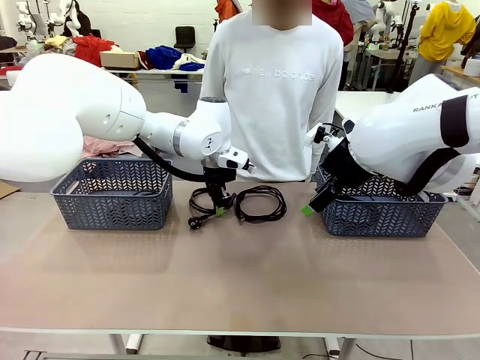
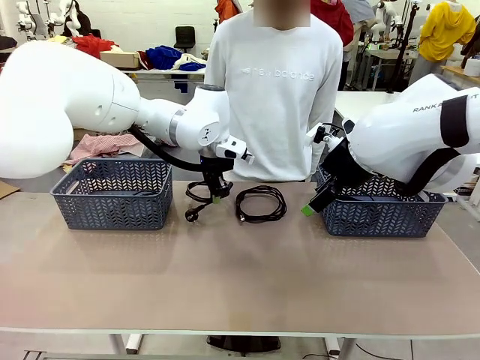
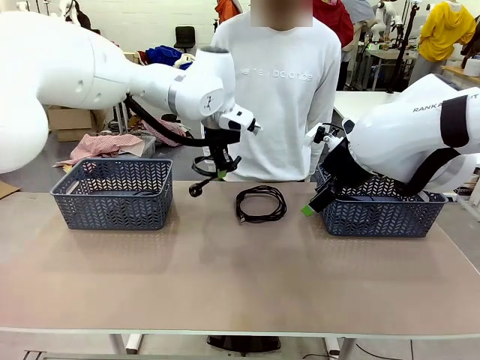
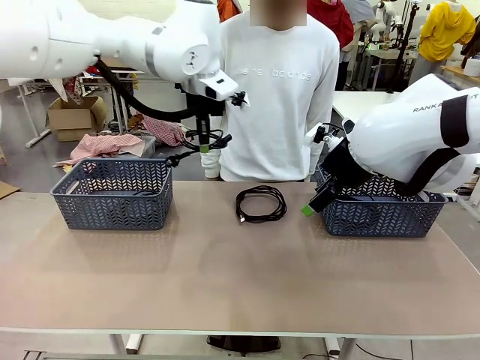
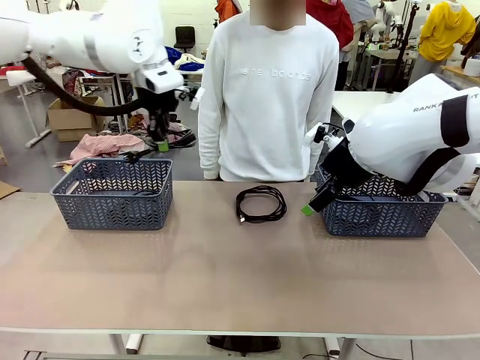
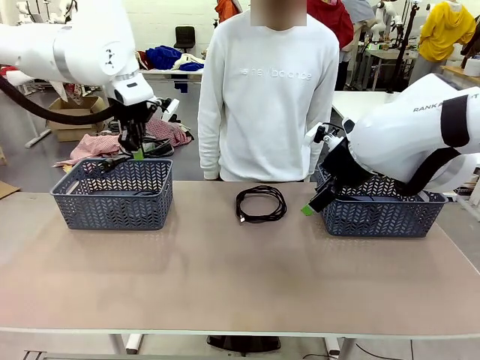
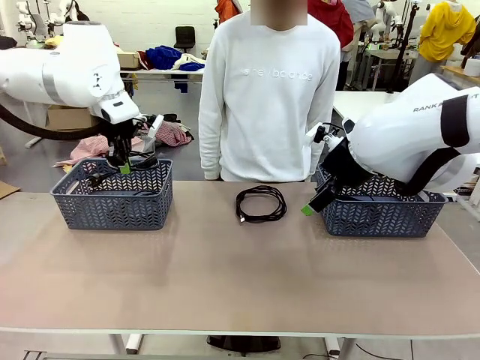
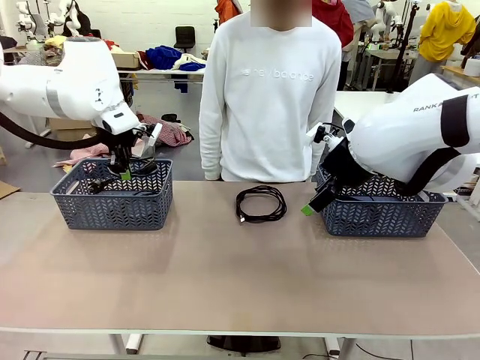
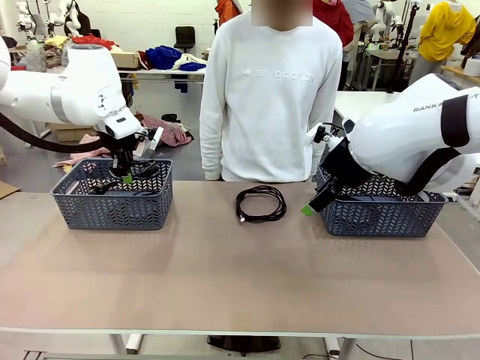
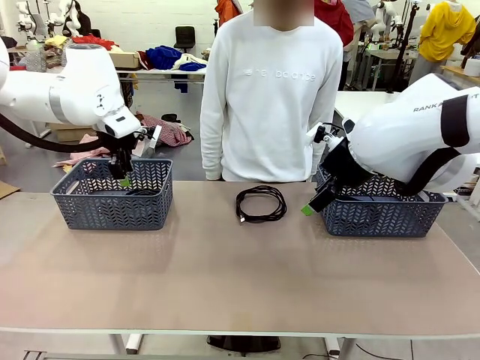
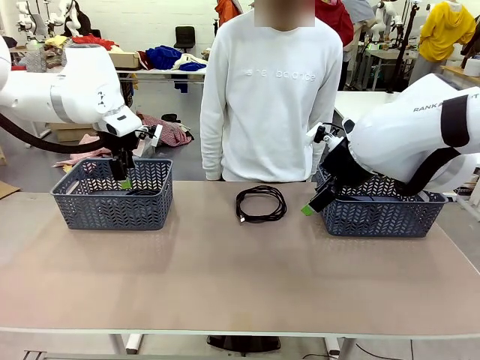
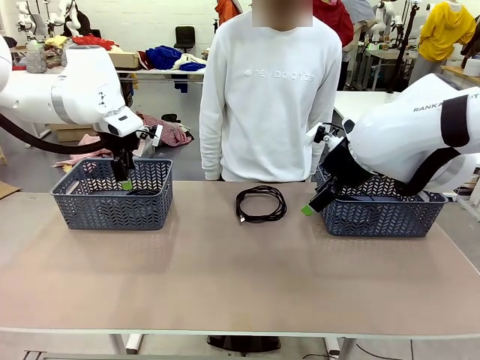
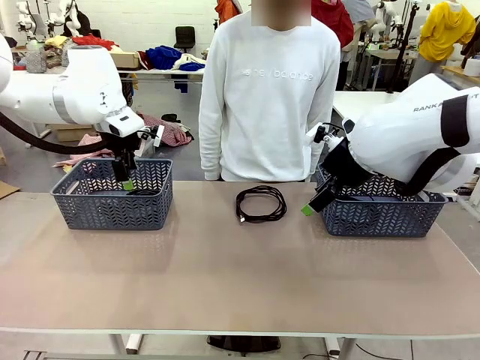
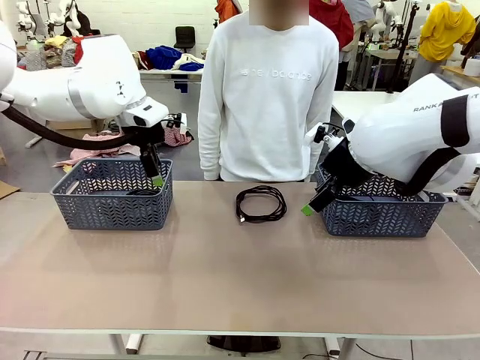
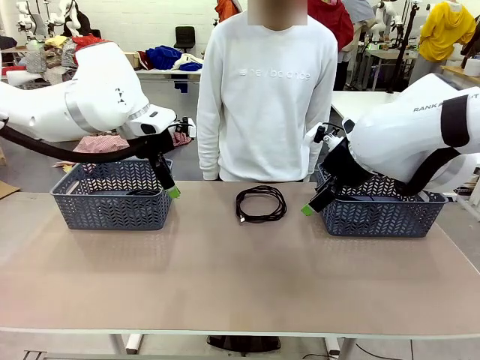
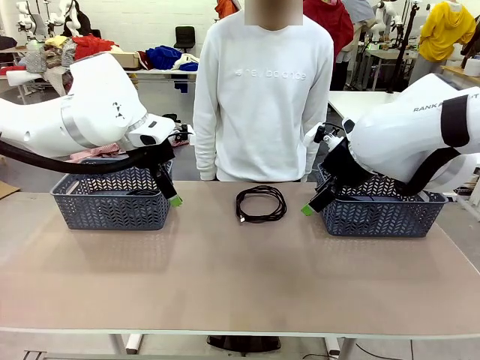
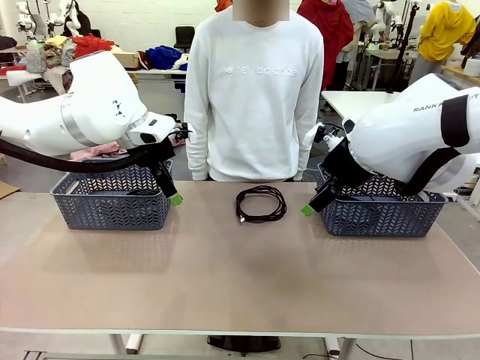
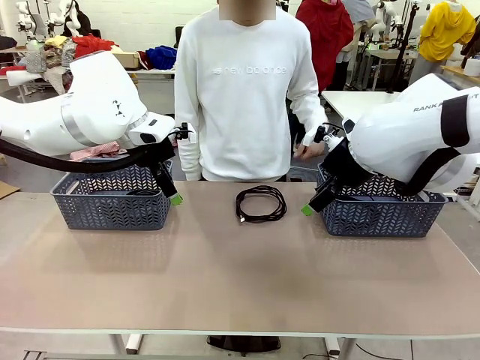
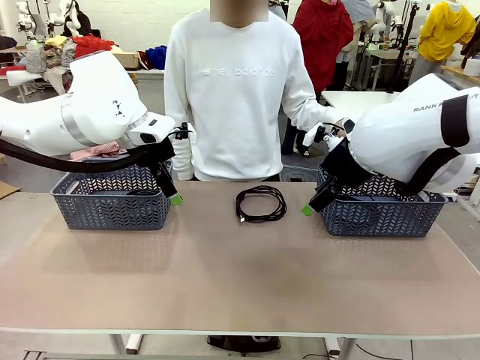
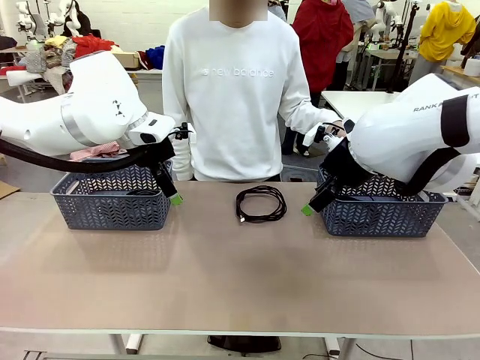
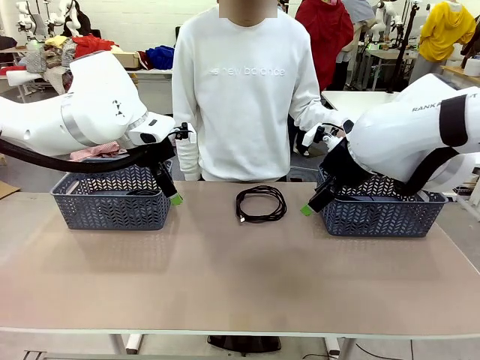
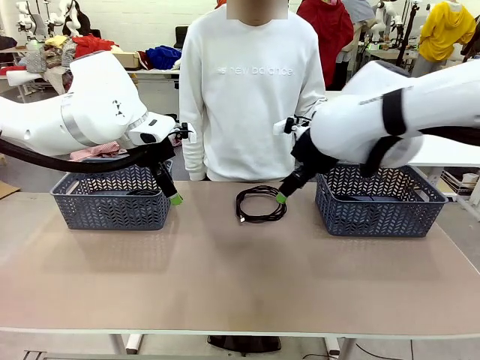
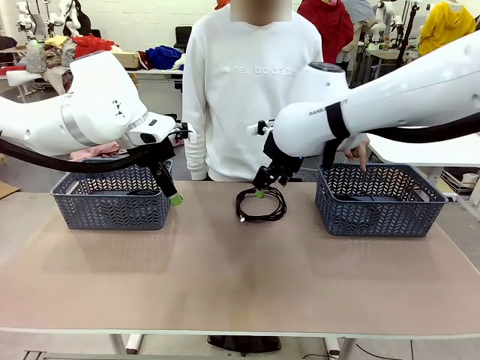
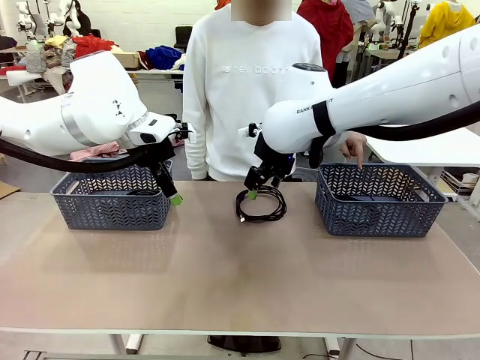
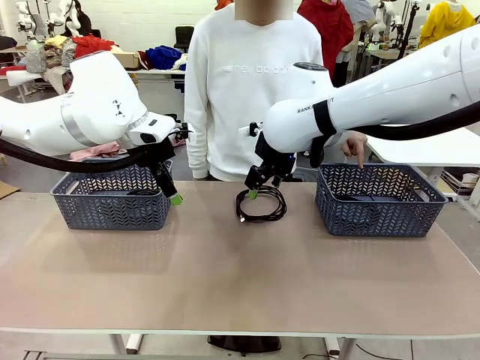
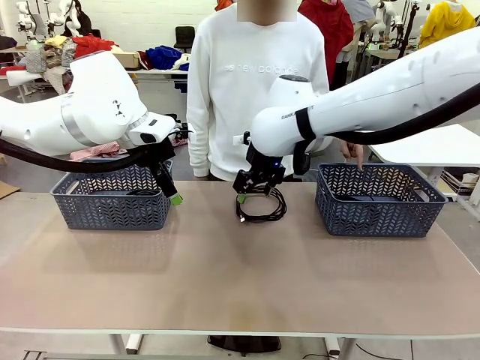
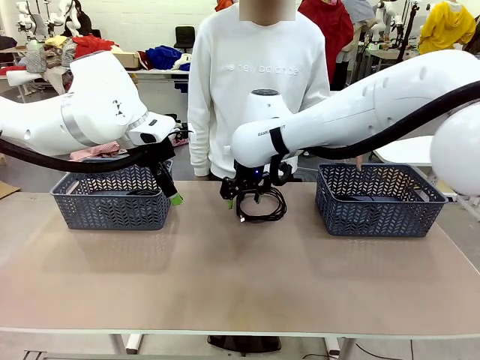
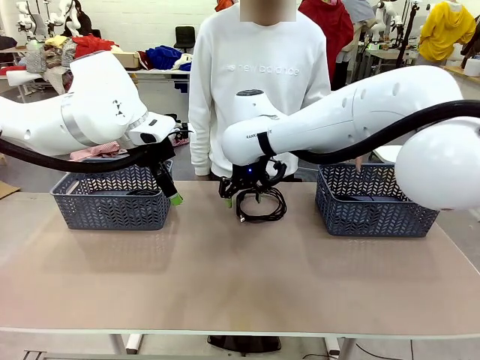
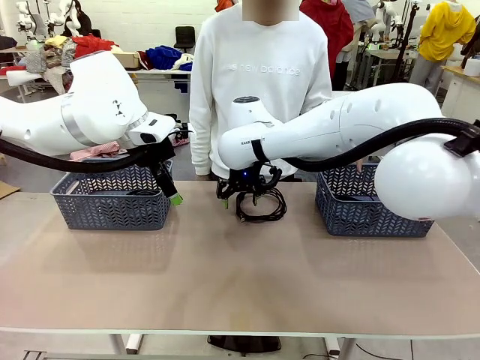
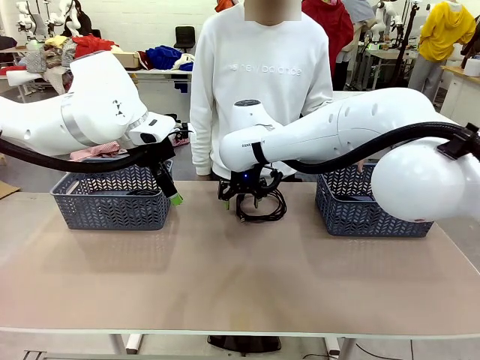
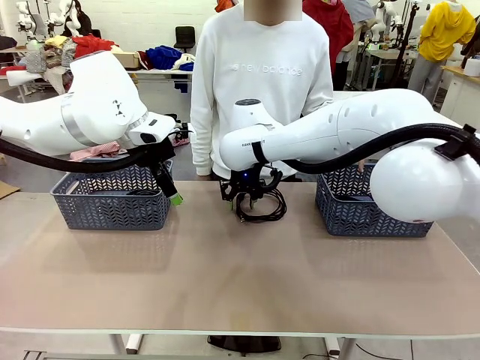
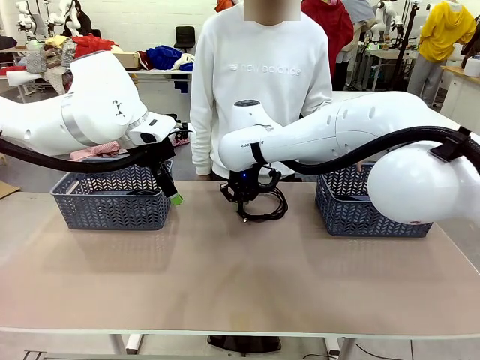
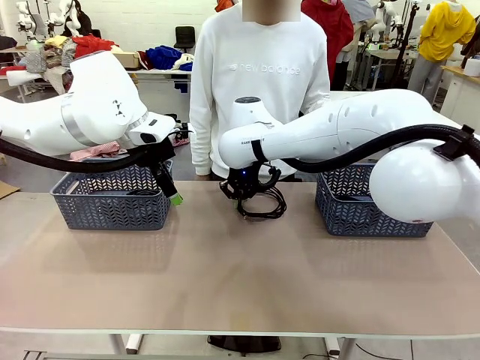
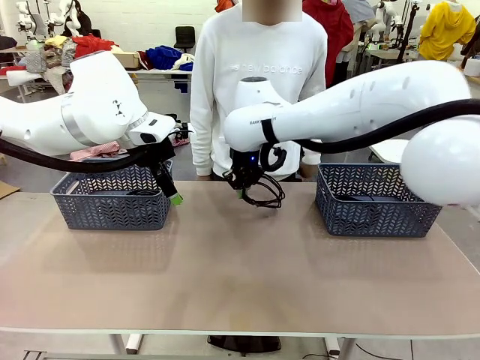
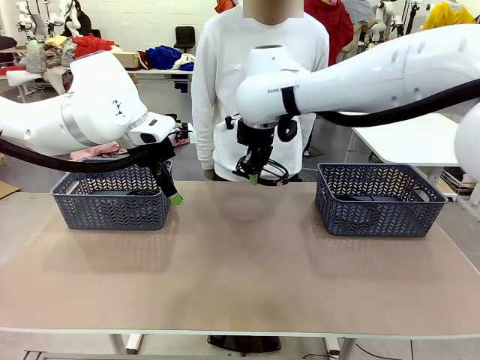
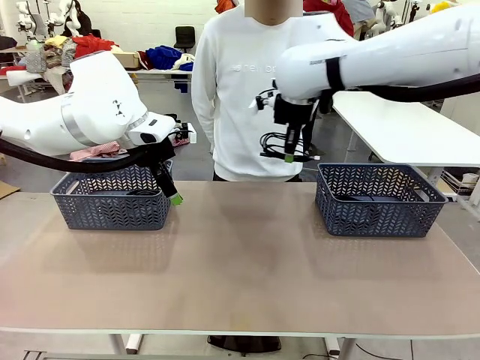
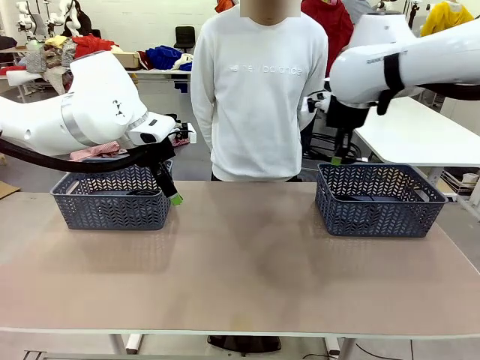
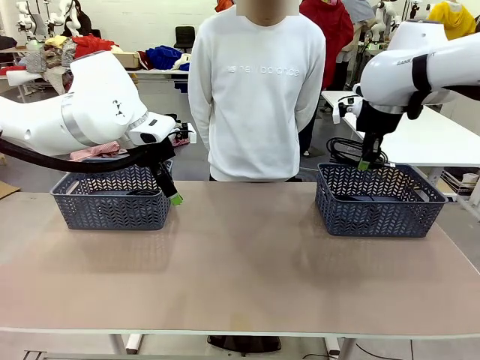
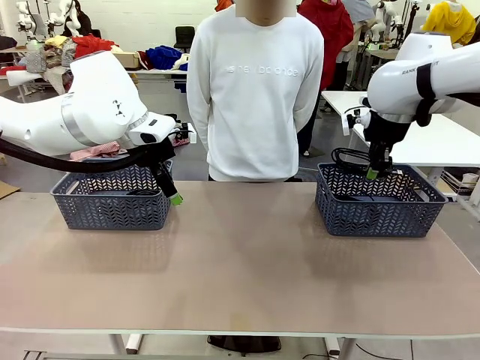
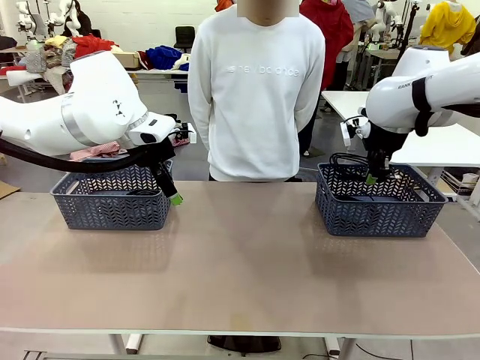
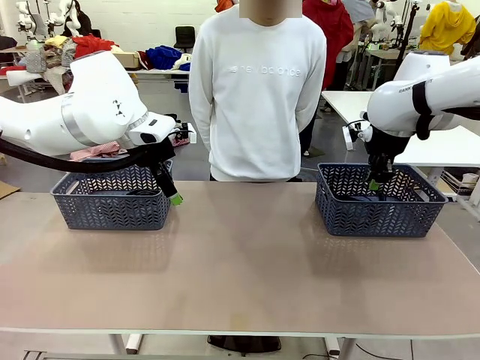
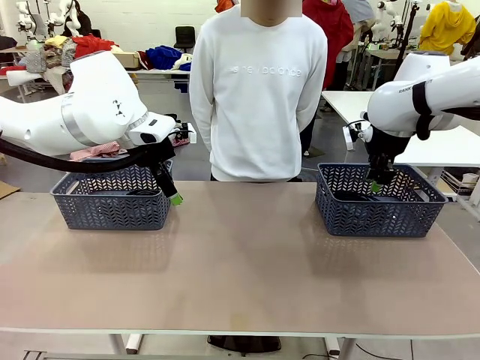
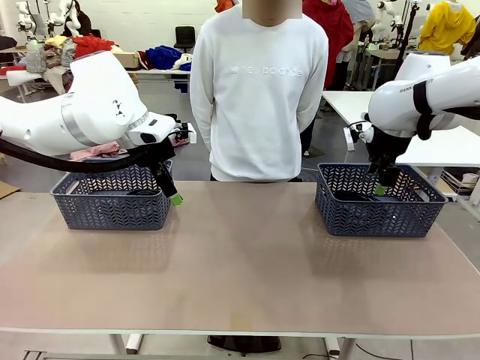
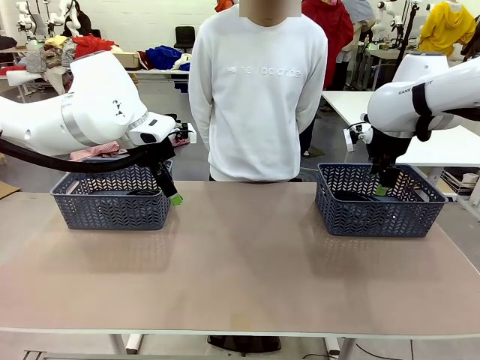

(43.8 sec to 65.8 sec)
Task: Organize the cables according to human instructions.
Robot: Pick up a bundle of cables and place it in the basket indicated by the human.
